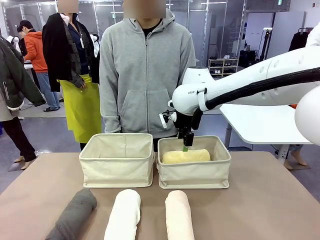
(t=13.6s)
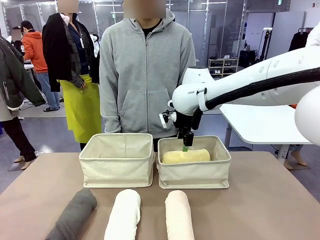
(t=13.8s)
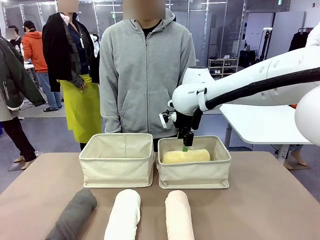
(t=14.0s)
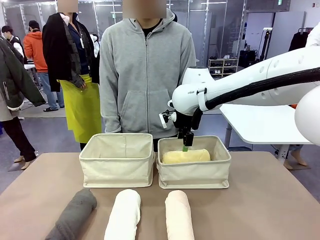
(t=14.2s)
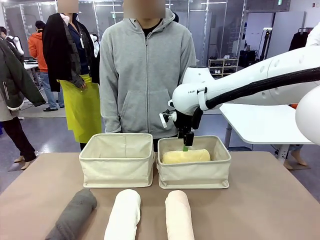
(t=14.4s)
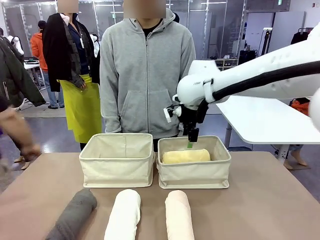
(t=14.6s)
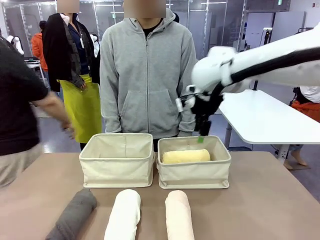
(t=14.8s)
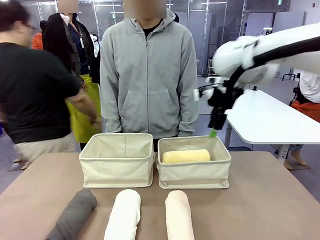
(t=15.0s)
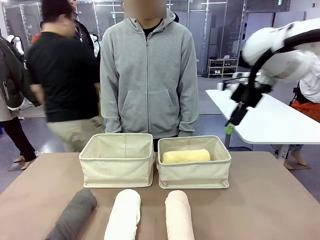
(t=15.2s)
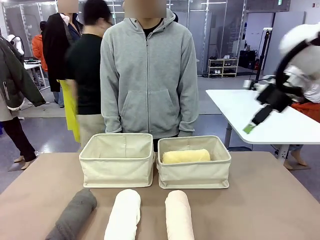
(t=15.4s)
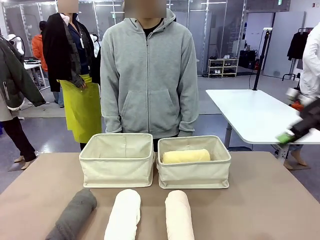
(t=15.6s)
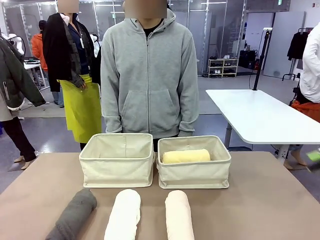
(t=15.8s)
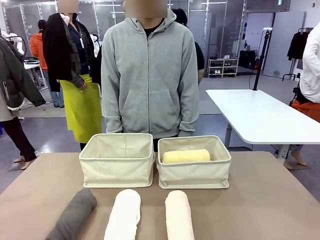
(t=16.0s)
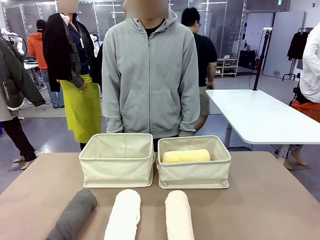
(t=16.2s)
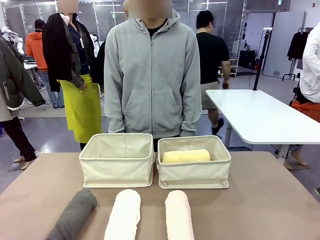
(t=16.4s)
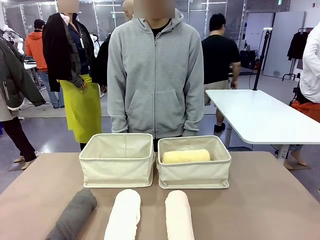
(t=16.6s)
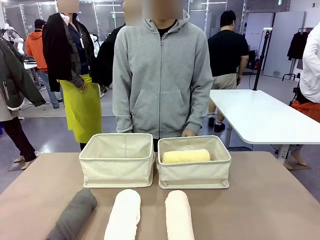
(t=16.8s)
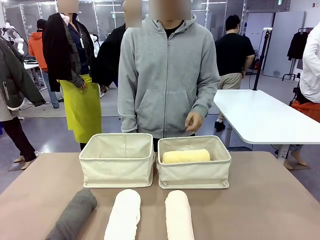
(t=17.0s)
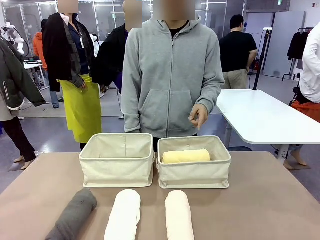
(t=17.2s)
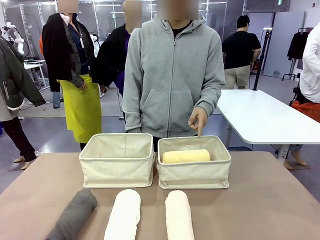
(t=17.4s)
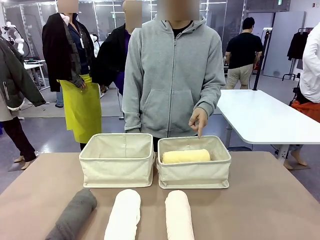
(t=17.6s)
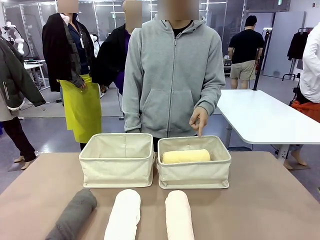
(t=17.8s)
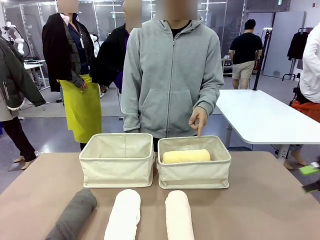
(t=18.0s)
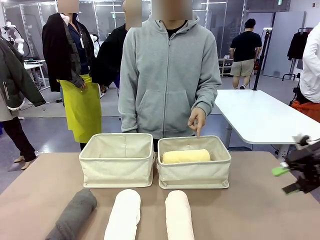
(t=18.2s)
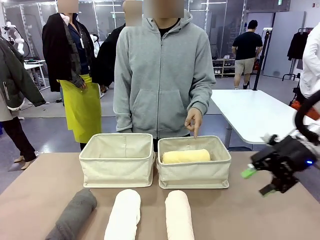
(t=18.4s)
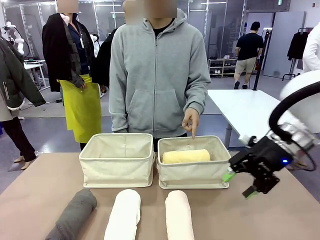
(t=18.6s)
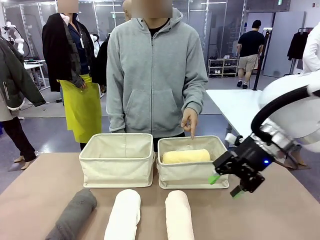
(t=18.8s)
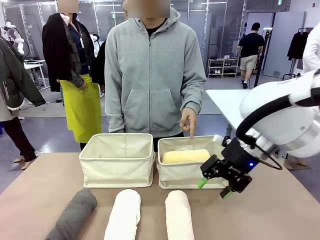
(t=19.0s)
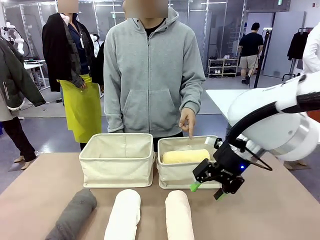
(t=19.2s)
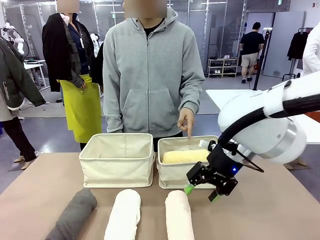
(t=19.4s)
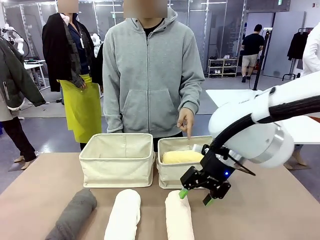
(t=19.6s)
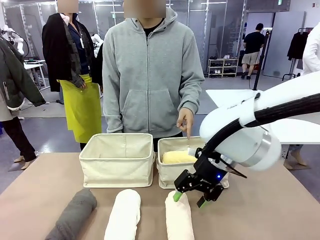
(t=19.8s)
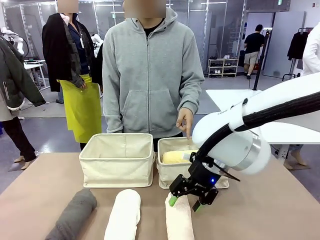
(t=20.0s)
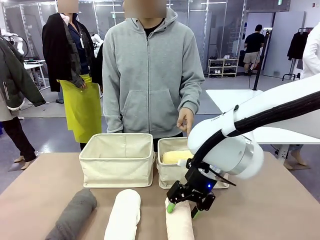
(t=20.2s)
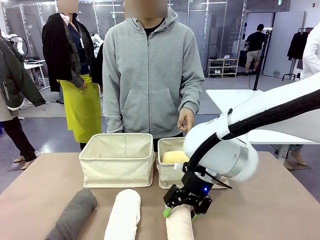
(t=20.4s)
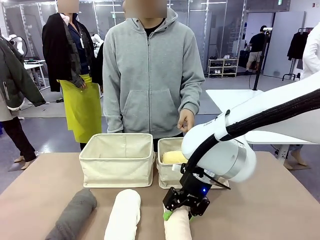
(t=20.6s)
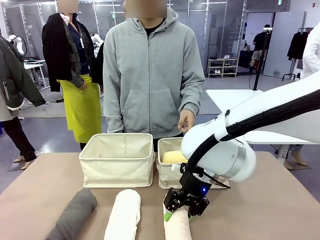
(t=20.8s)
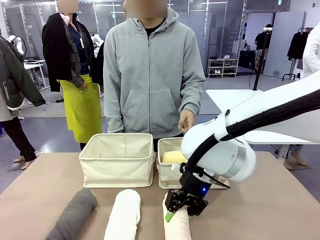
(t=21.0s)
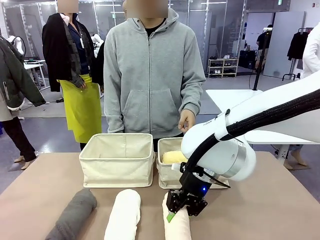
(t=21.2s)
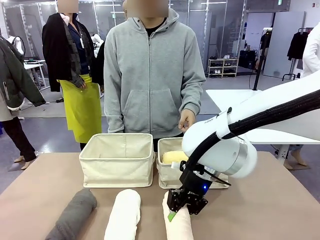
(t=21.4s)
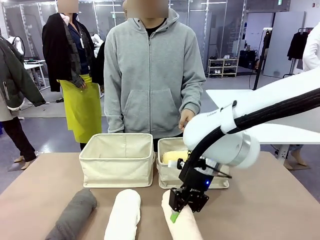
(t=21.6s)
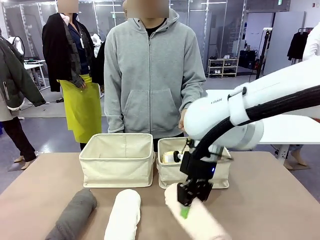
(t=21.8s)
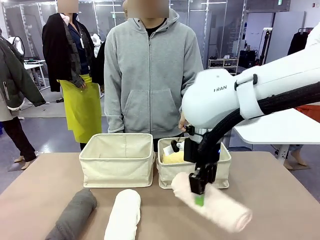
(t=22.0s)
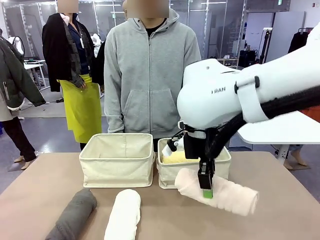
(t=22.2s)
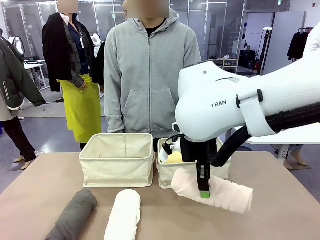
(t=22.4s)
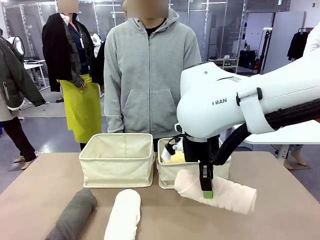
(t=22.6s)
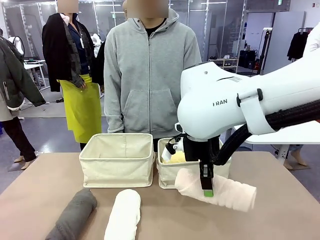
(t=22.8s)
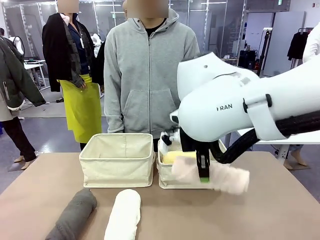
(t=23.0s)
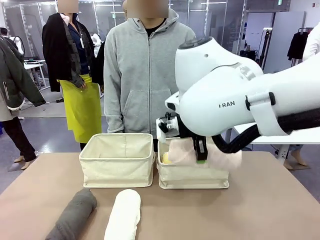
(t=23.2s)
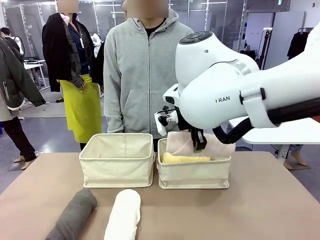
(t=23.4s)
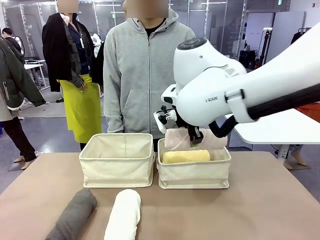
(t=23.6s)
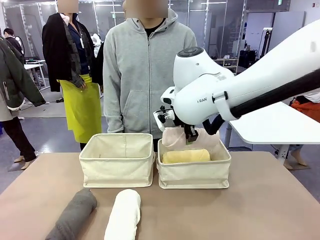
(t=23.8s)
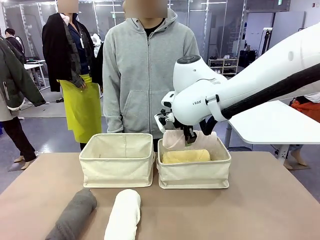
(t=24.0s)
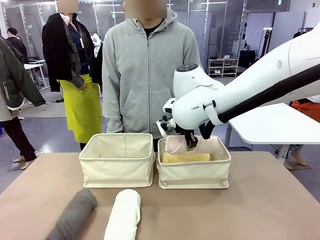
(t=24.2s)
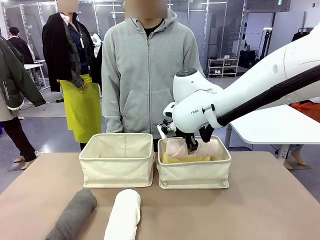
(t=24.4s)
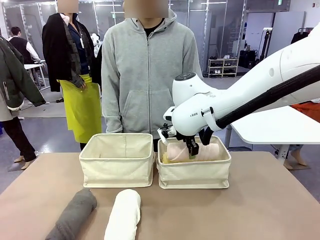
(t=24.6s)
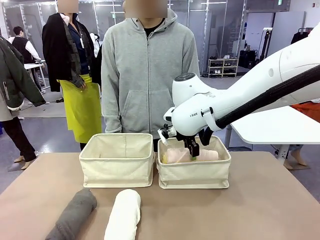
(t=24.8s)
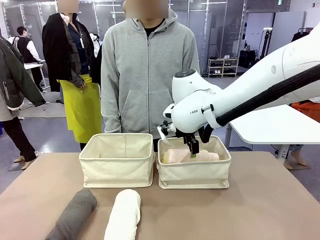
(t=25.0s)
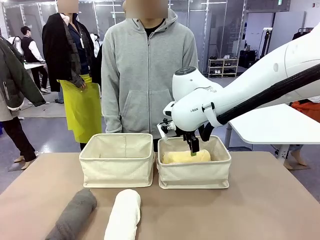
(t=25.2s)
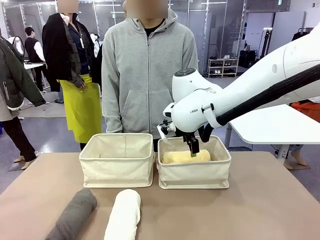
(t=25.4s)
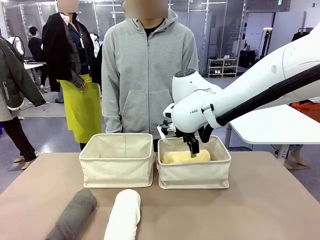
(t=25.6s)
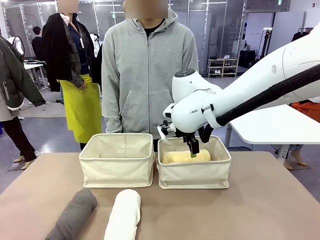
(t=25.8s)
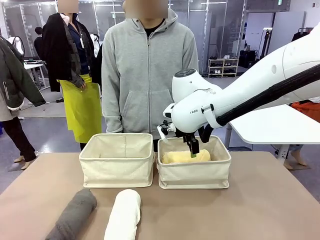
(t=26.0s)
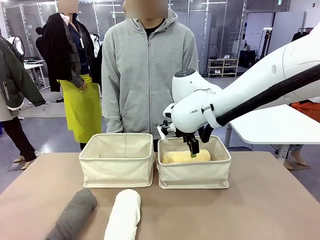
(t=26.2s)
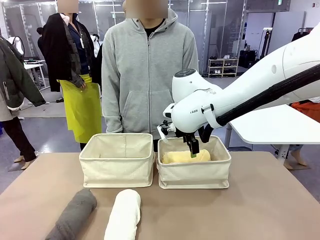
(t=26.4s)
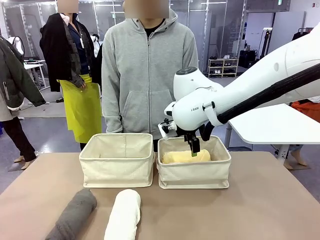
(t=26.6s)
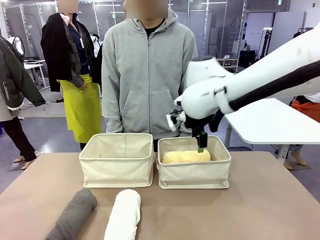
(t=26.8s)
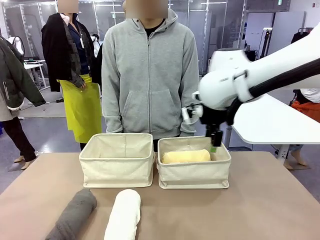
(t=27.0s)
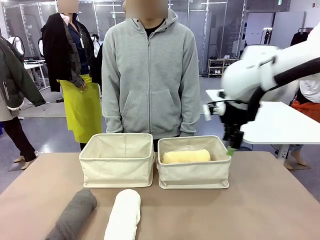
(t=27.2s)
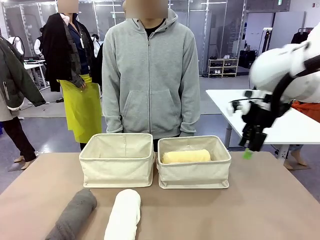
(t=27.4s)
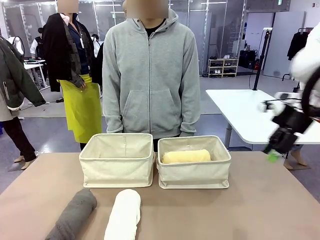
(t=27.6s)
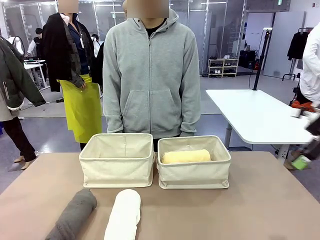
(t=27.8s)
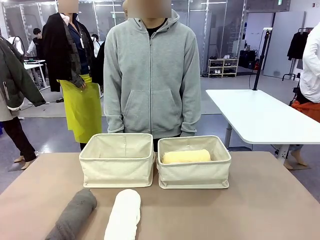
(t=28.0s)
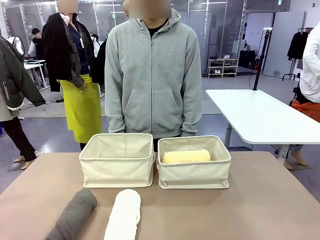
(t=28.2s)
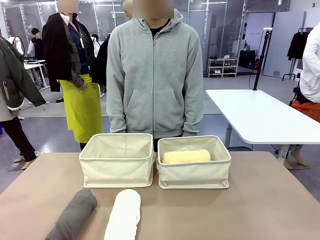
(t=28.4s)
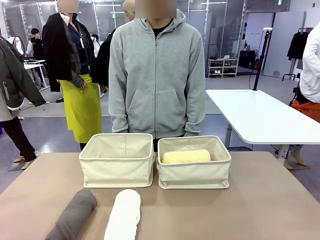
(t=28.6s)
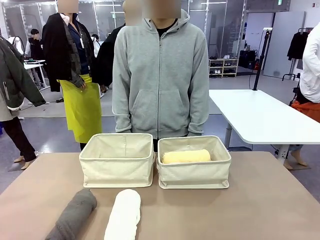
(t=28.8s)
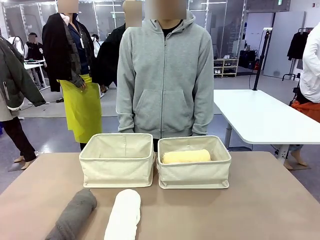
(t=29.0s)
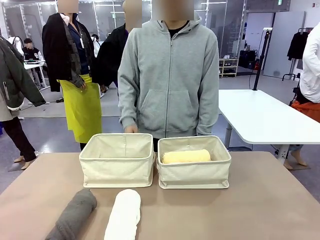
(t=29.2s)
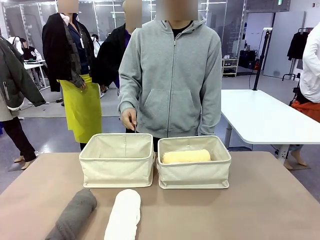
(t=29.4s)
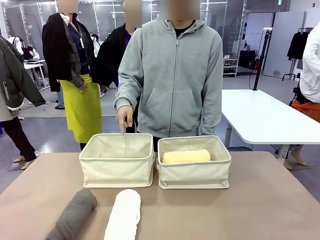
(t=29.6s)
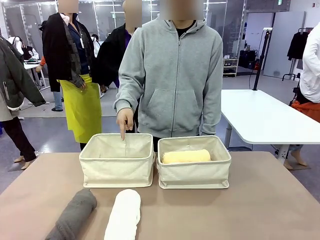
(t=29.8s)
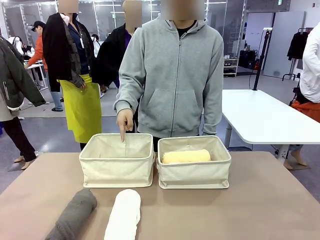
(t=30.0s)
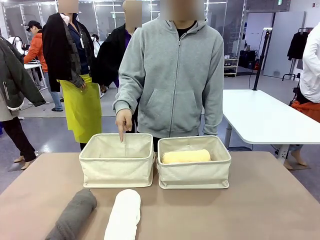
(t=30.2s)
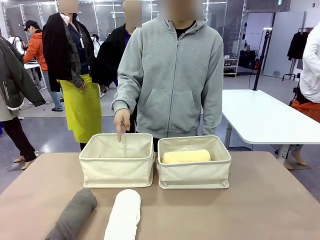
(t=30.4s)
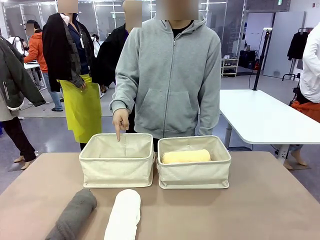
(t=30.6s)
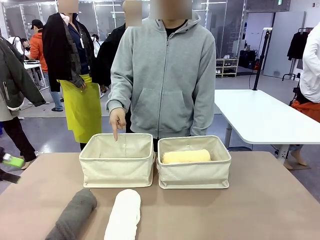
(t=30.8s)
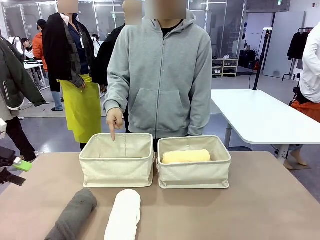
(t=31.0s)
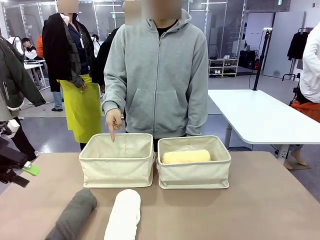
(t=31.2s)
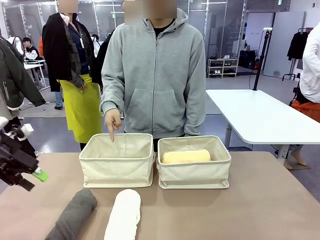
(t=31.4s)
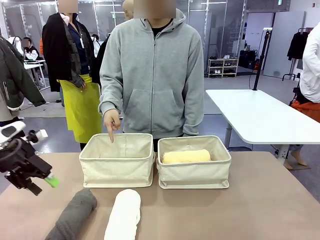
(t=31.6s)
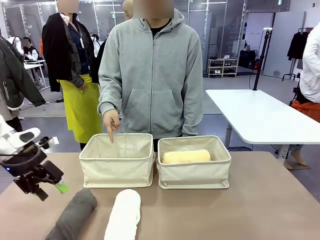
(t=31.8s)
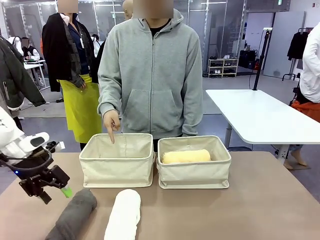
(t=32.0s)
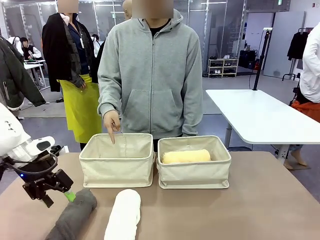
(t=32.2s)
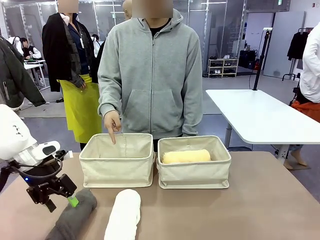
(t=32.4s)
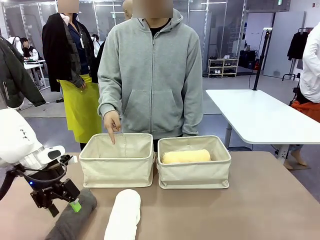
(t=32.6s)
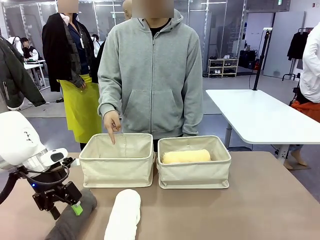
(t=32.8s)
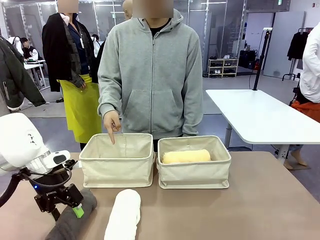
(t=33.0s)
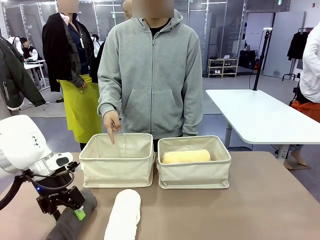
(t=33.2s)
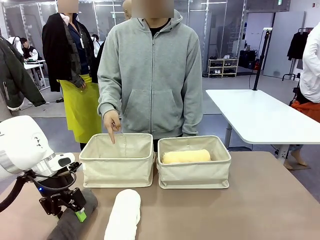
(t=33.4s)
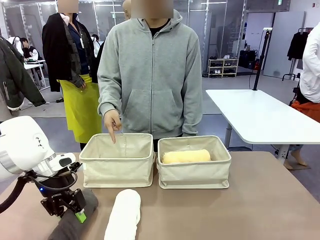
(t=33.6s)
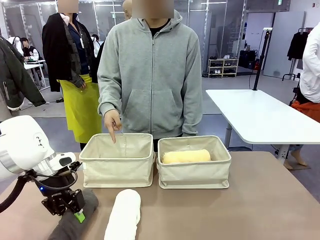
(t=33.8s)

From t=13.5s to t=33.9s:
Task: Divide the towels into two baskets.
Robot: Pick up one hotel-folded towel from the bottom of the table and place it in the Fabric basket indicated by the person.
